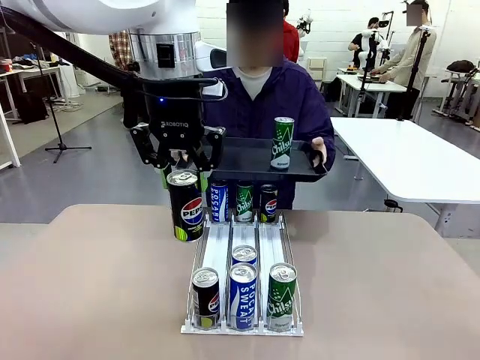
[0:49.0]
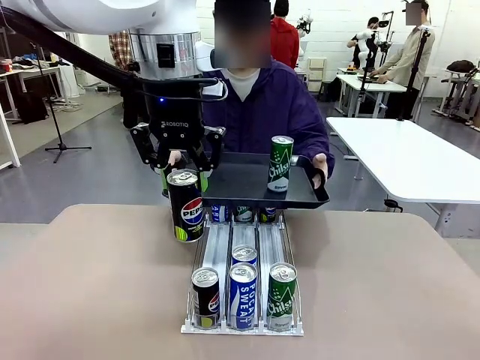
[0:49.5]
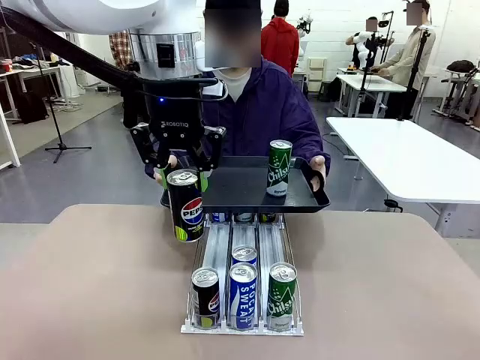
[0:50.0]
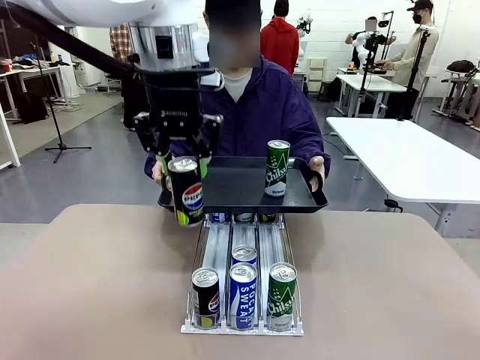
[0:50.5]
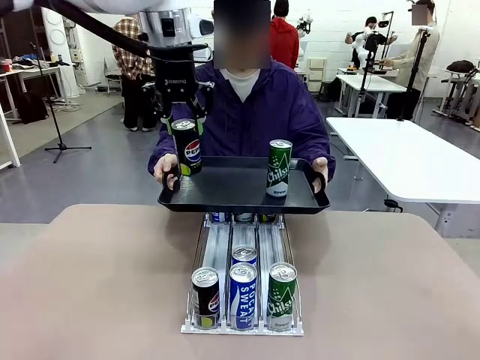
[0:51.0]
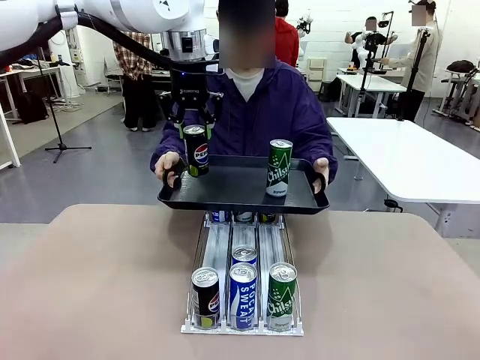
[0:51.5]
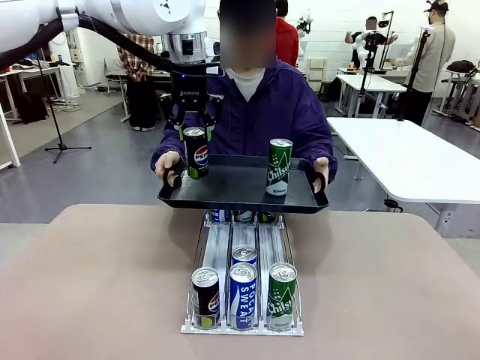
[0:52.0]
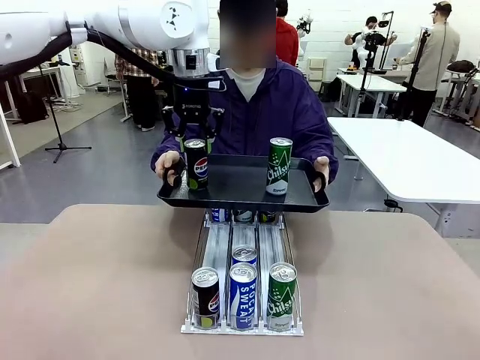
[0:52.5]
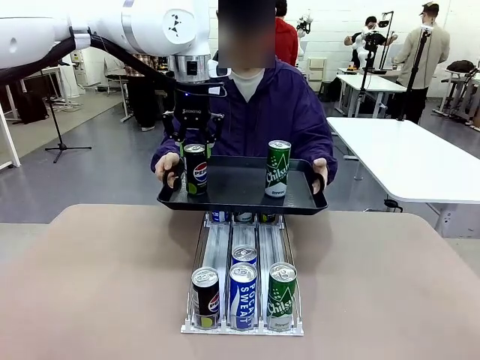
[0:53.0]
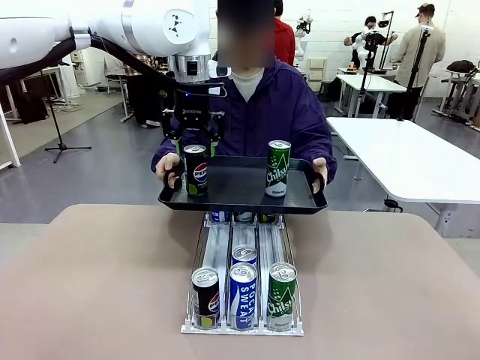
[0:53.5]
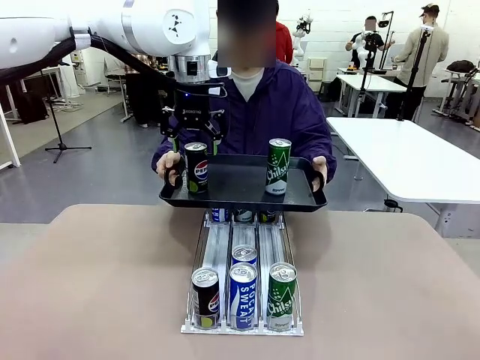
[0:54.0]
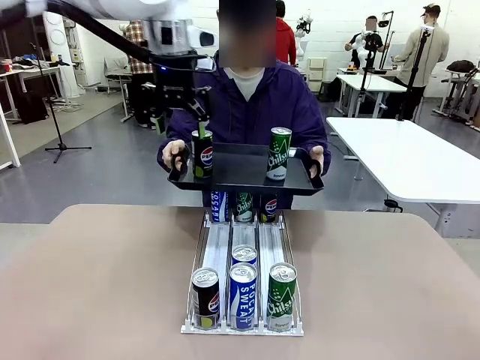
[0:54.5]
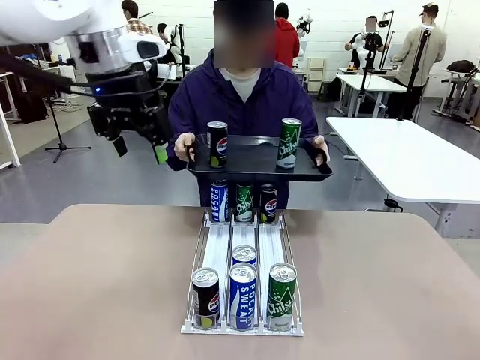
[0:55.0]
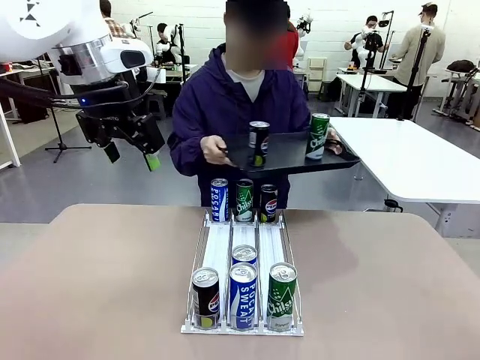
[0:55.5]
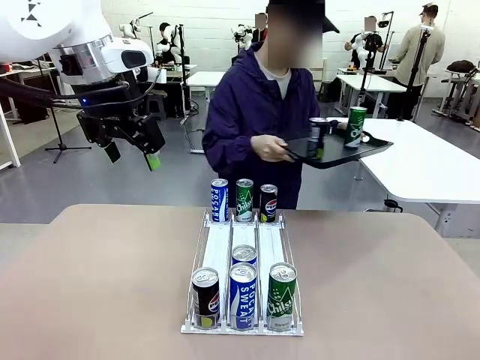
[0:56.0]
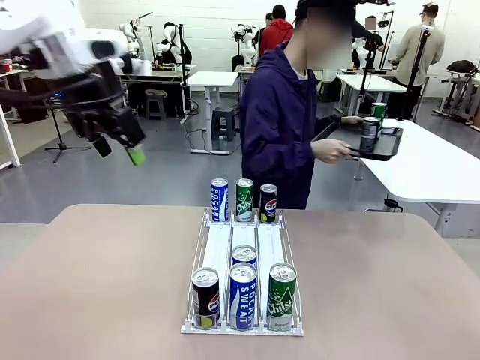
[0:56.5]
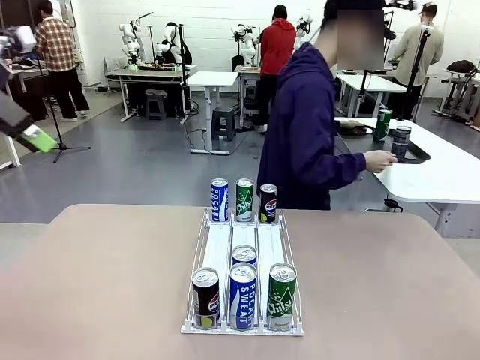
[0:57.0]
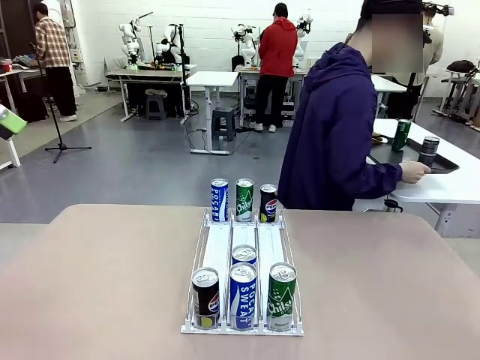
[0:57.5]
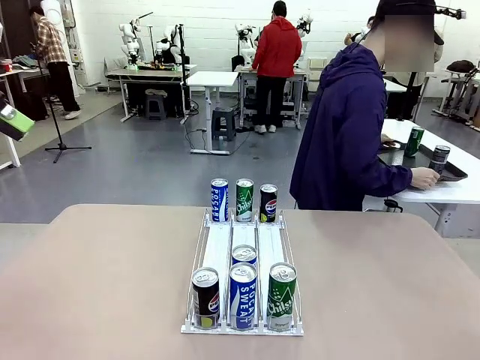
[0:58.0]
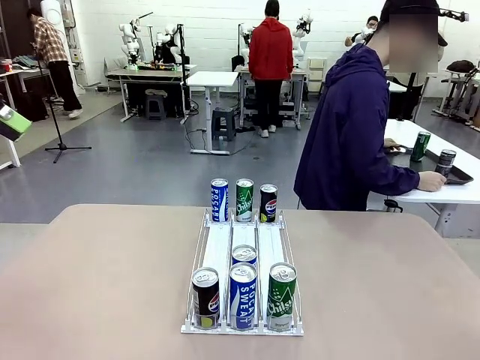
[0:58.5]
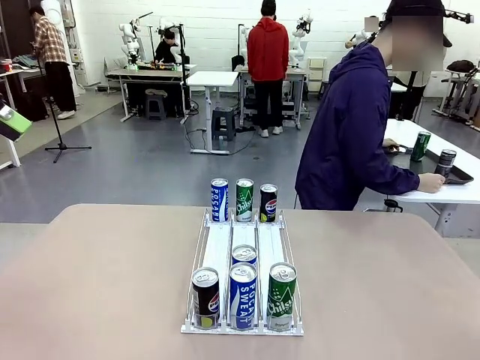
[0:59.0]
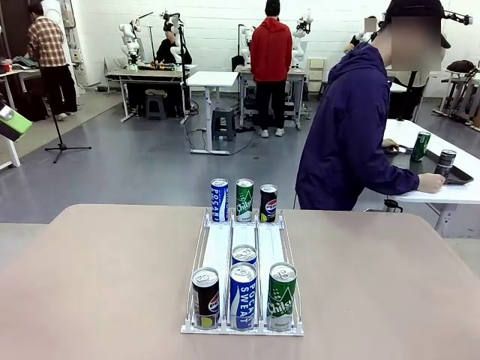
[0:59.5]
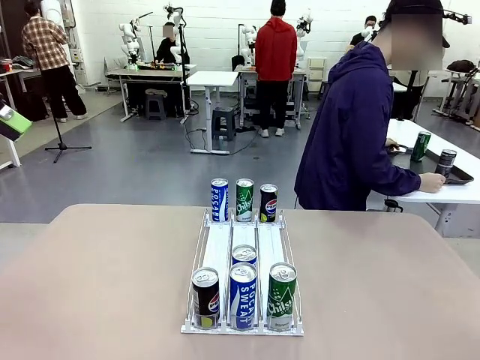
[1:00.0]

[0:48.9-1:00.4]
Task: Retrieve and hand over the desired beverage to the person.
Robot: Place the picked can on the Handle tray extended by the person.
Person: Pull the tray back and place it at the center of the human table.

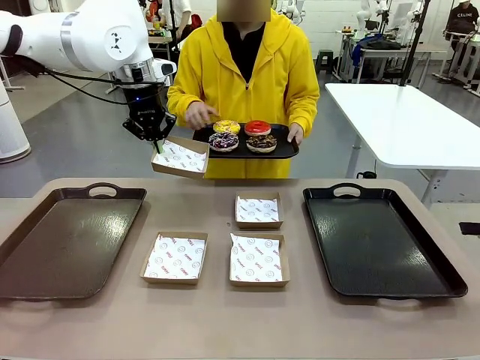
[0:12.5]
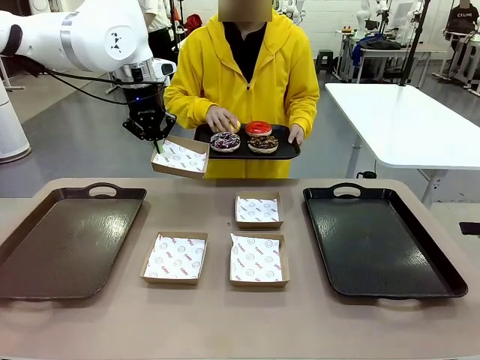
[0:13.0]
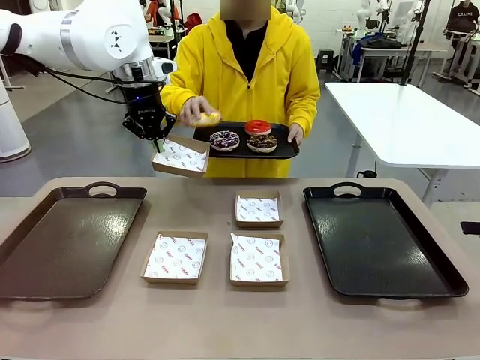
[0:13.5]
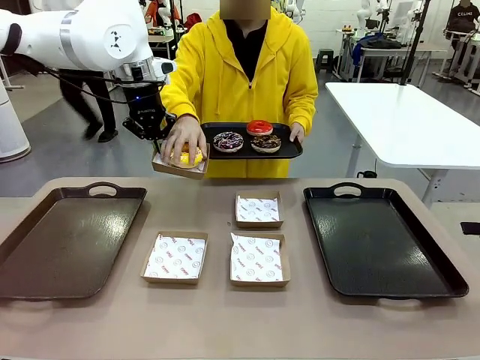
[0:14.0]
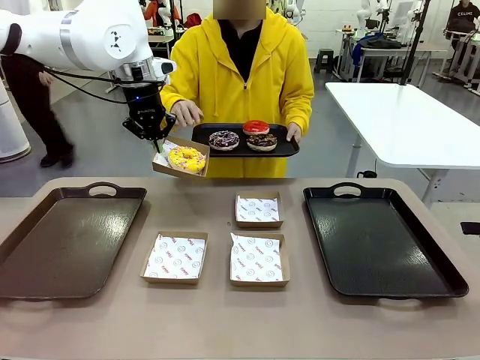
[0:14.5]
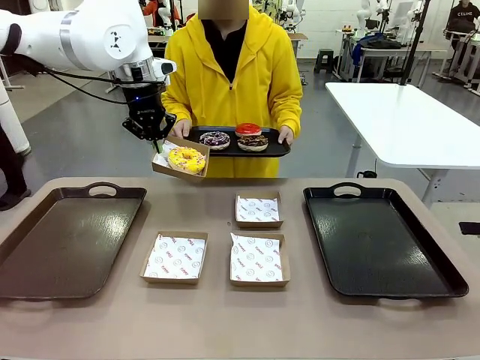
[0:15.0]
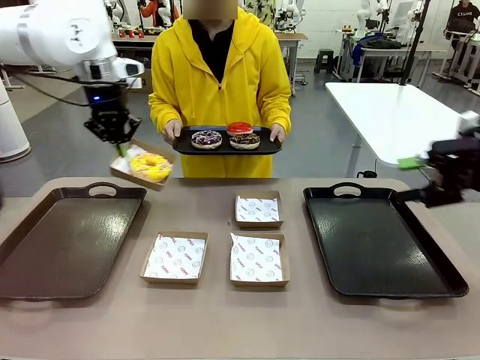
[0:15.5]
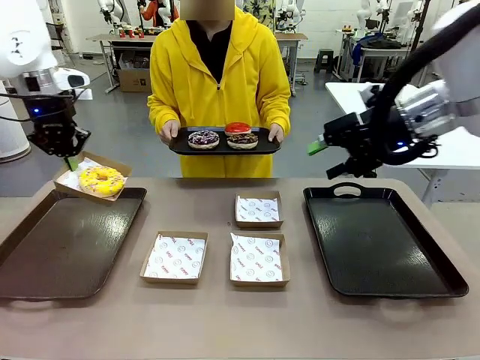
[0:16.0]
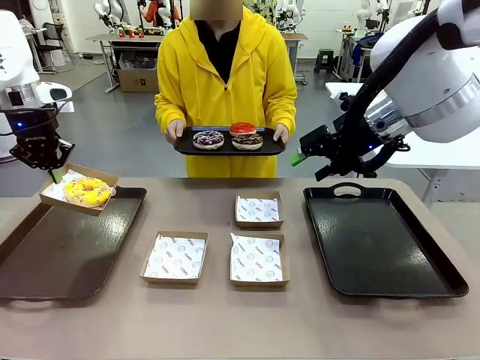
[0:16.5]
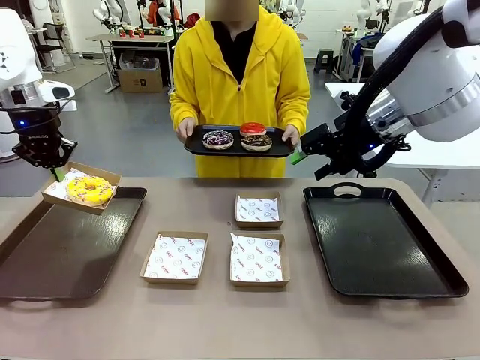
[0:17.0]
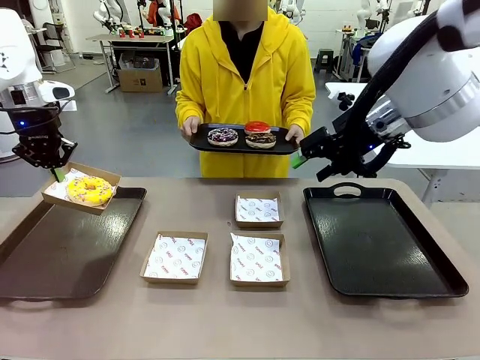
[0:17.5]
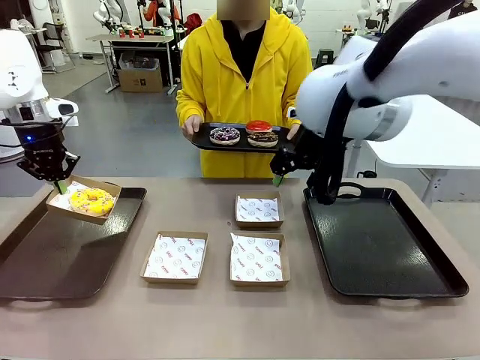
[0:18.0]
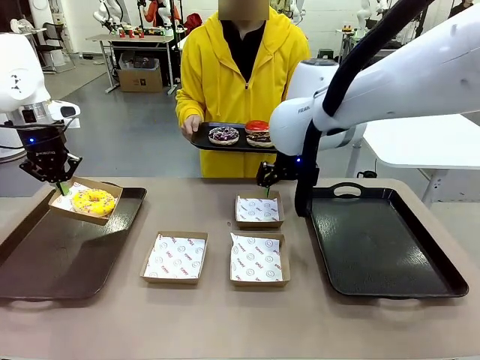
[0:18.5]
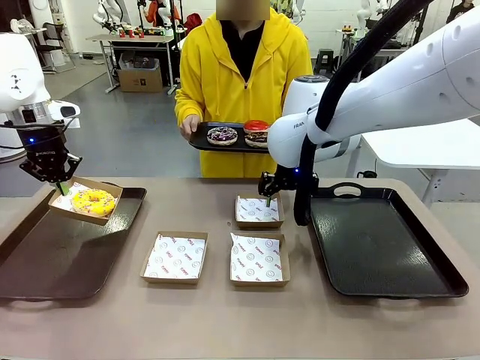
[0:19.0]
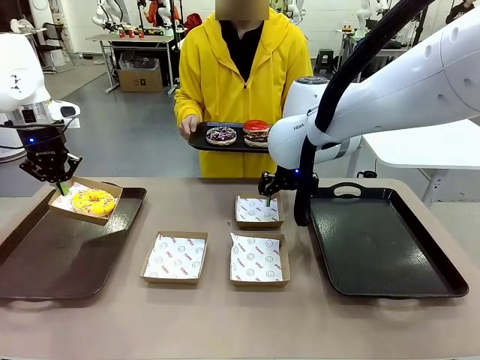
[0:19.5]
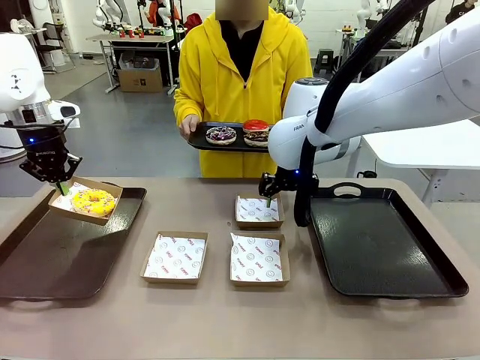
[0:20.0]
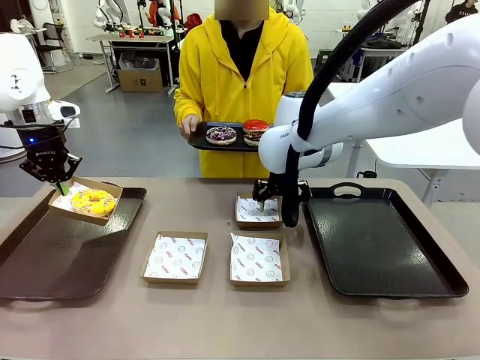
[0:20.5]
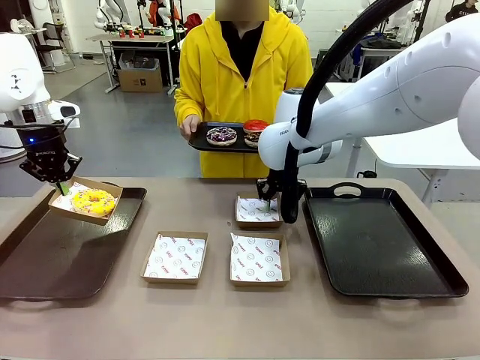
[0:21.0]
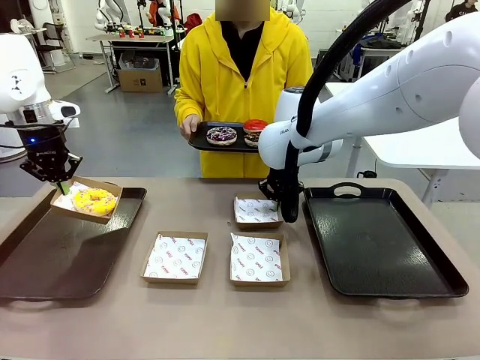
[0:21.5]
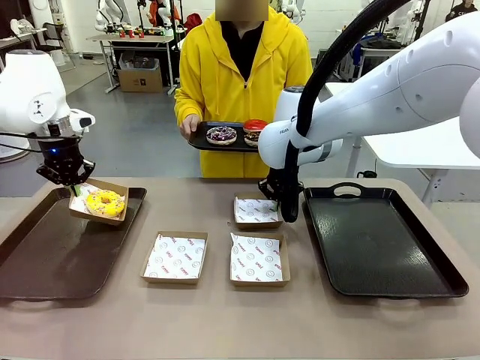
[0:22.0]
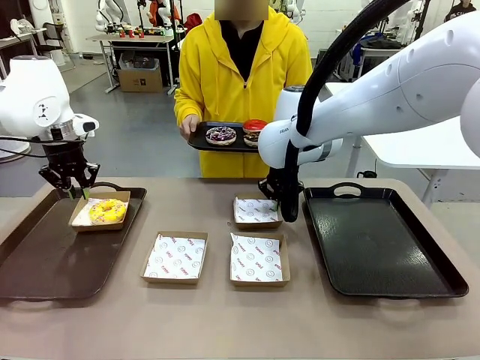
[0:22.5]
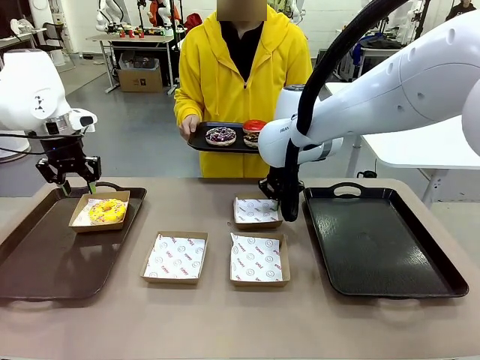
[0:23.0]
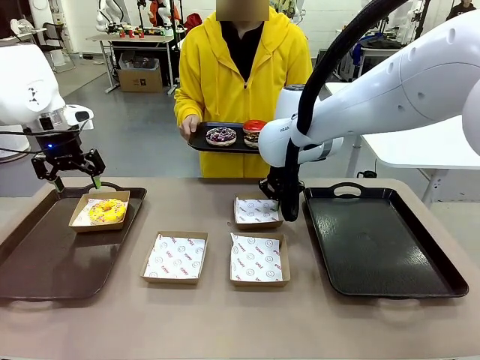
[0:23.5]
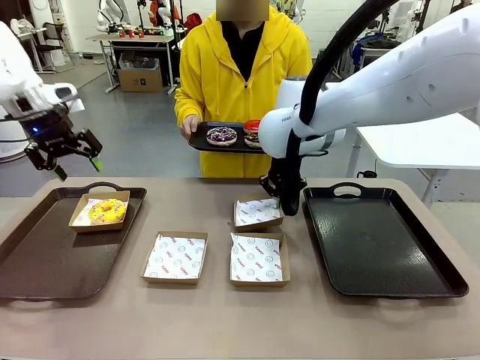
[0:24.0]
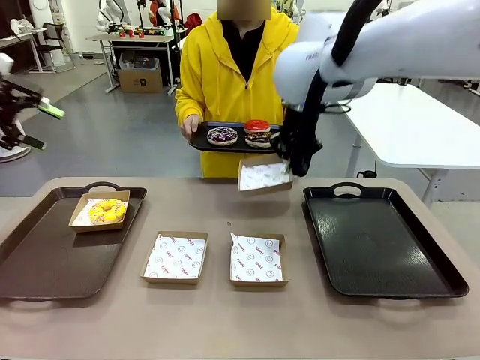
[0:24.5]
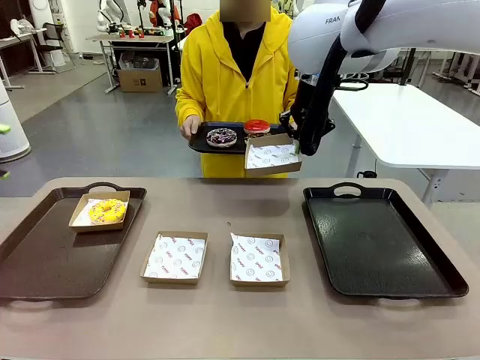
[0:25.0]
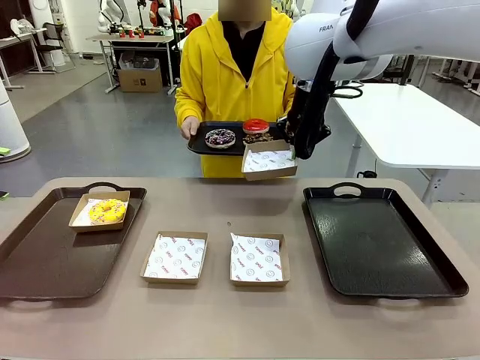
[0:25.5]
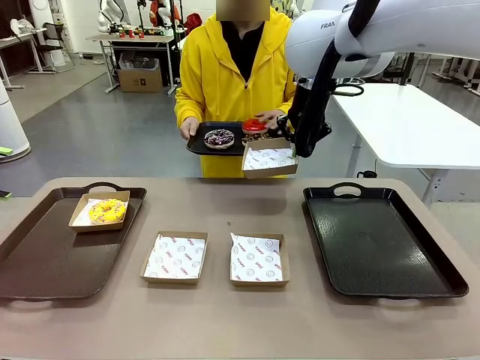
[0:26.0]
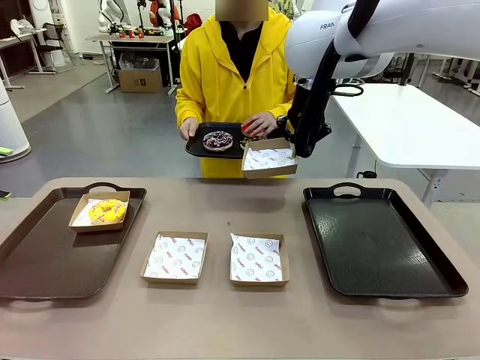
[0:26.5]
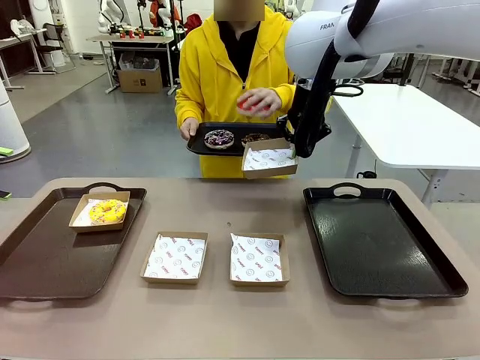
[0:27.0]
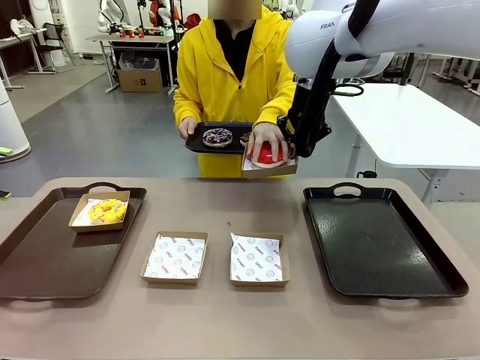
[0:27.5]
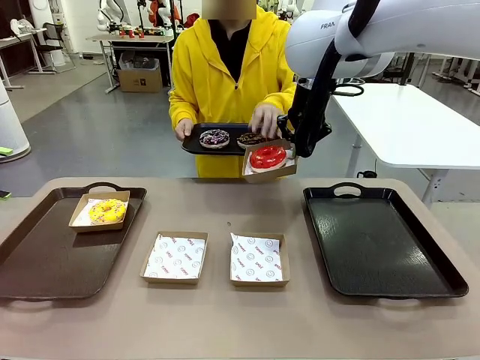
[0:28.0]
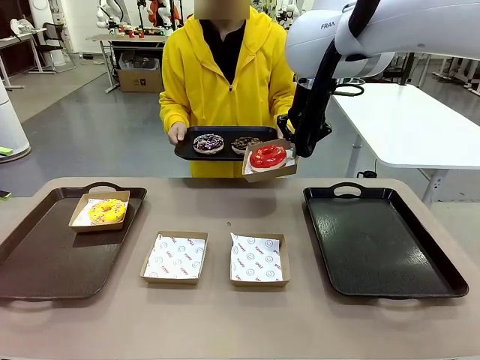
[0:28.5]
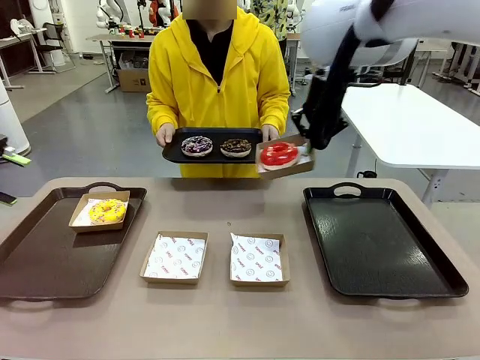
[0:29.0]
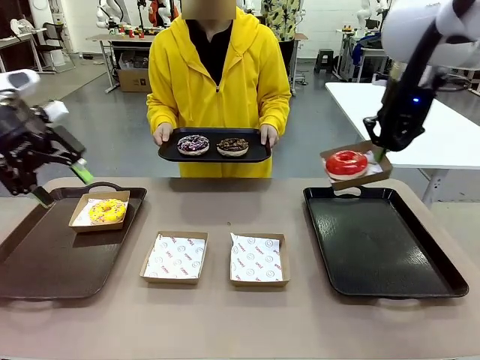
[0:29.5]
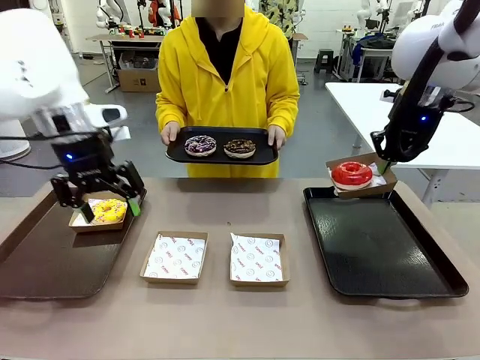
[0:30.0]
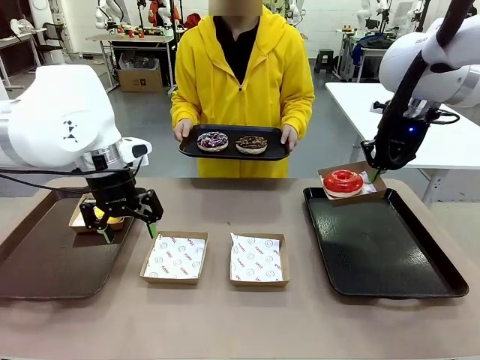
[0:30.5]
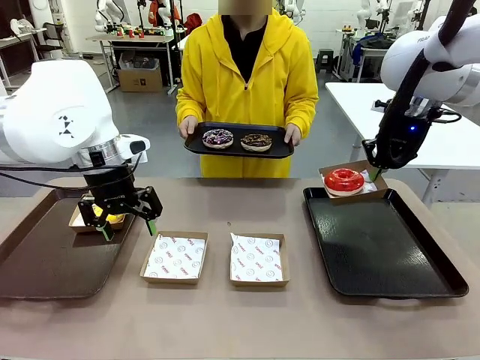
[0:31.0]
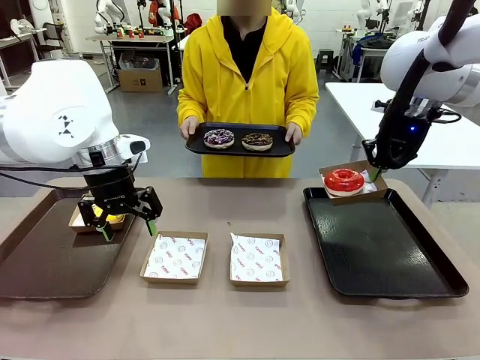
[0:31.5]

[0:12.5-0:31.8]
Task: Individually package the donuts and arrange them on the tray.
Robot: Place the picked Paper togo box on the Handle tray while simultaneously picking up another Paper togo box from the table with the other hand.
